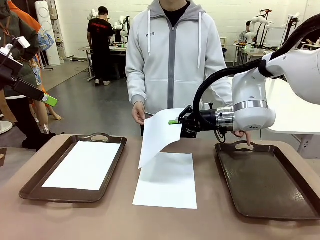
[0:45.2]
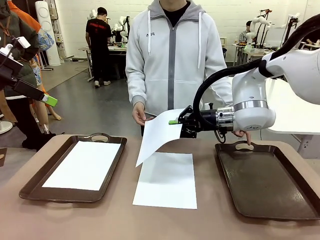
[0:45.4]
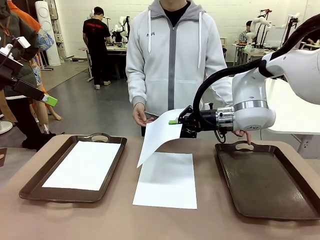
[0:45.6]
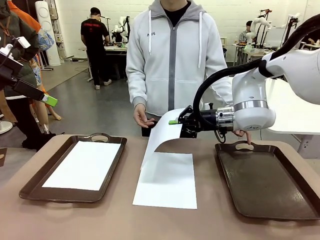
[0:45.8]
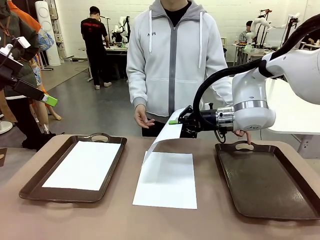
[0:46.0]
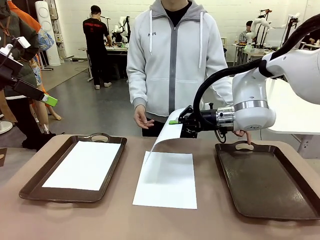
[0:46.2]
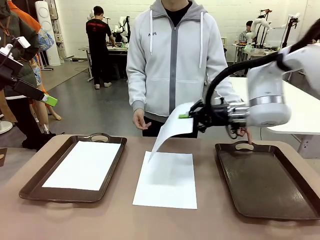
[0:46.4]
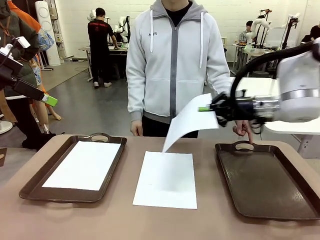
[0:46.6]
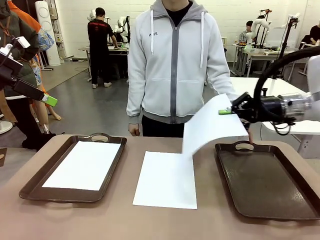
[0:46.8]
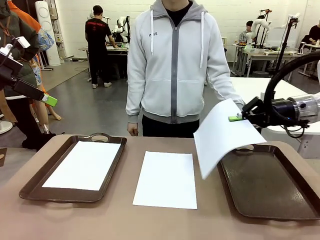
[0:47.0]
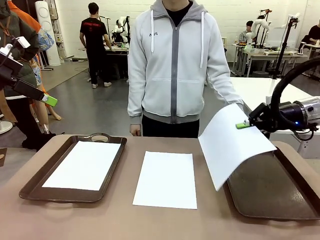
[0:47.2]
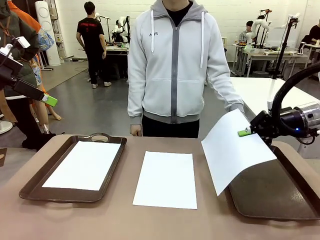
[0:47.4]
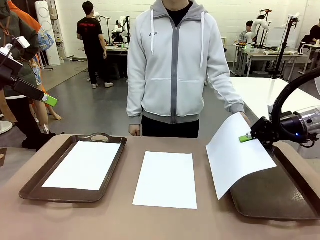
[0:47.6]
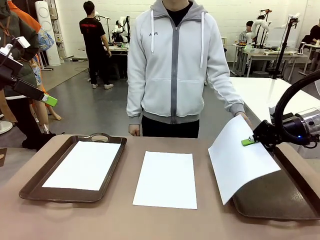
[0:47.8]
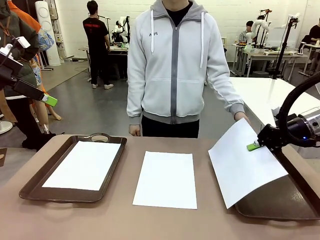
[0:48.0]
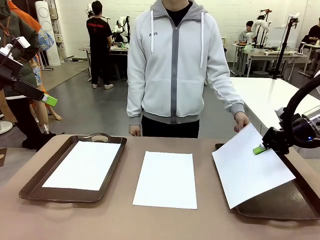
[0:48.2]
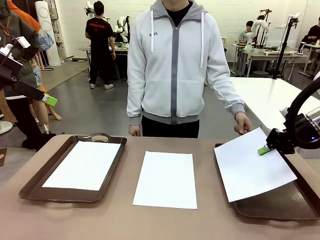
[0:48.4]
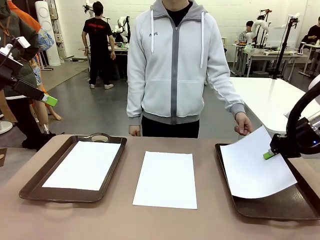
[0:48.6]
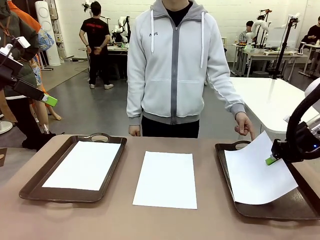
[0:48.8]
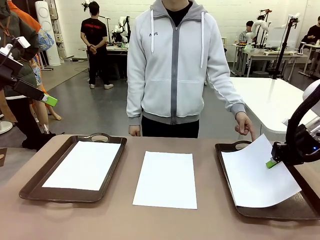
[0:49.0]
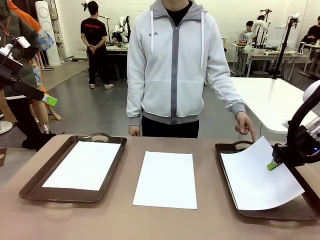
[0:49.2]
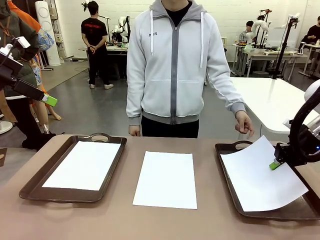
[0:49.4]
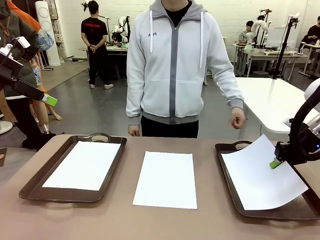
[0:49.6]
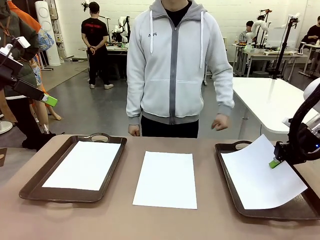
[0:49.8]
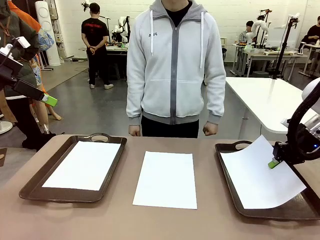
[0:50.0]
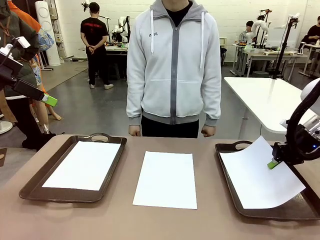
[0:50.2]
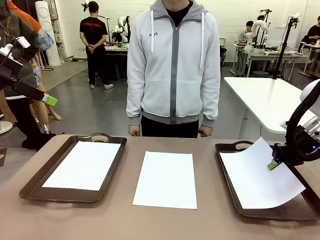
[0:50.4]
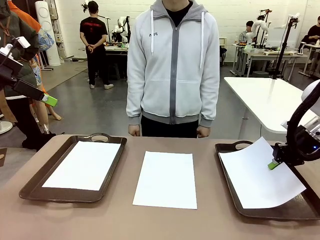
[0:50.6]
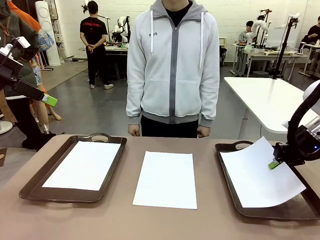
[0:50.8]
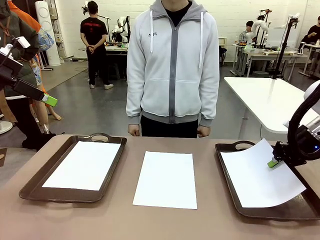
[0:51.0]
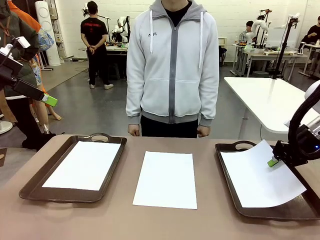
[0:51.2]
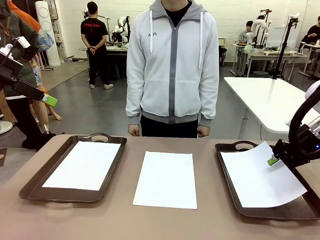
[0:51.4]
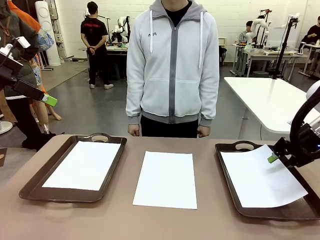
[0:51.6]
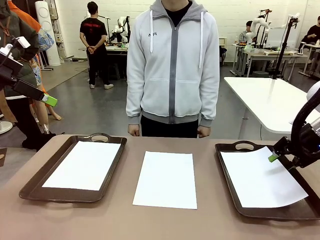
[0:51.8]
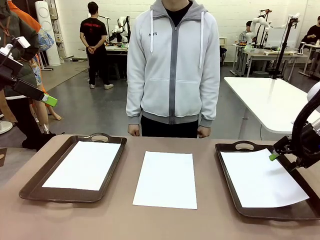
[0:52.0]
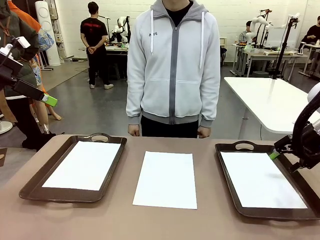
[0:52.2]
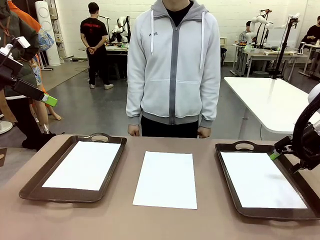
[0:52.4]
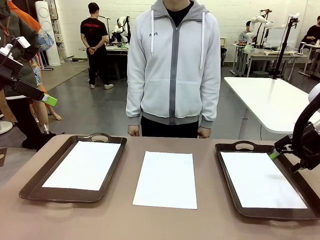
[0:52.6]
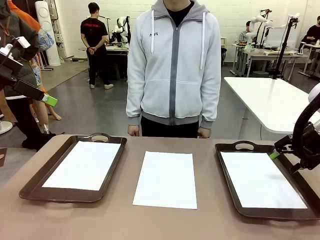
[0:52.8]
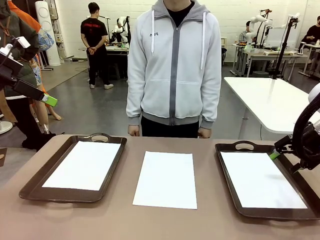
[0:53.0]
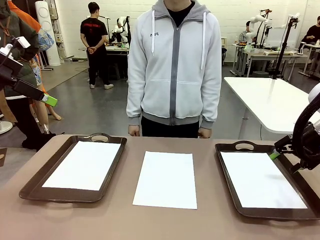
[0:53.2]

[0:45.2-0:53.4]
Task: Sort the A4 documents.
Robot: Place the A4 Paper in the designated Handle tray.

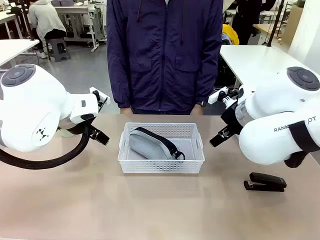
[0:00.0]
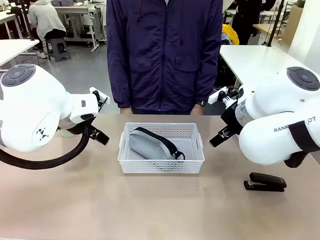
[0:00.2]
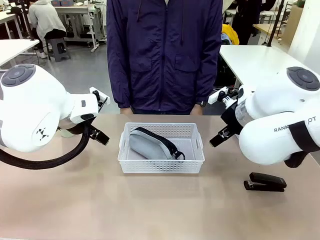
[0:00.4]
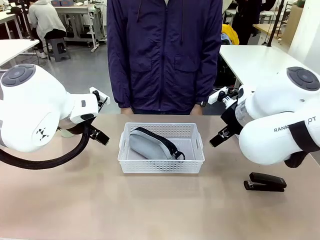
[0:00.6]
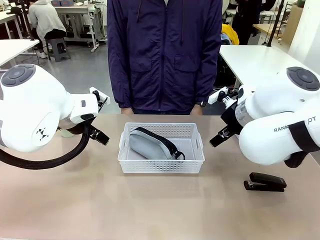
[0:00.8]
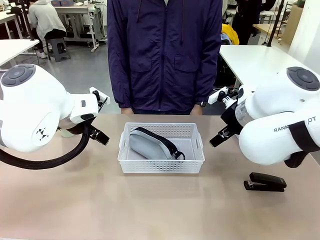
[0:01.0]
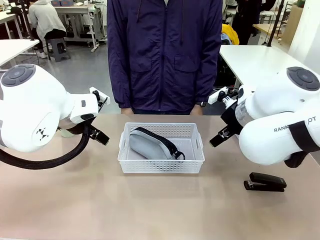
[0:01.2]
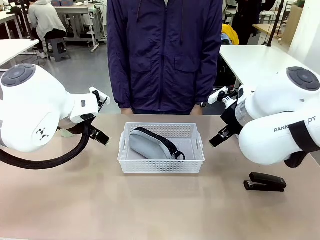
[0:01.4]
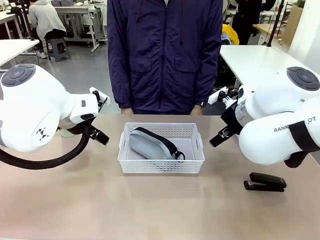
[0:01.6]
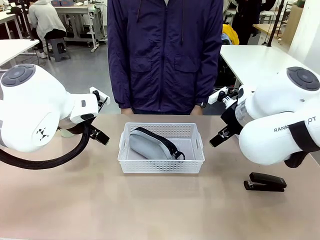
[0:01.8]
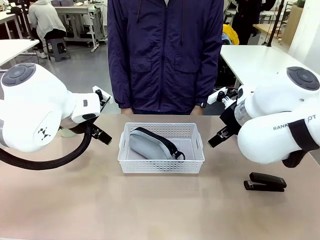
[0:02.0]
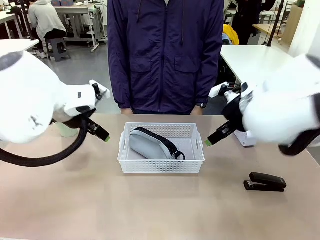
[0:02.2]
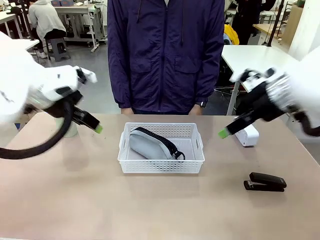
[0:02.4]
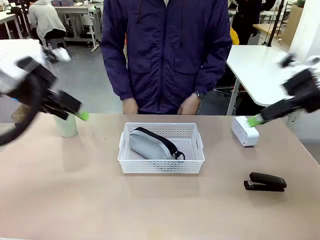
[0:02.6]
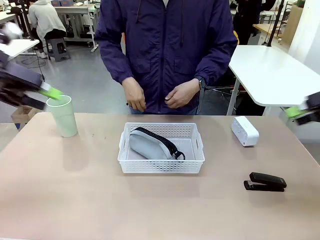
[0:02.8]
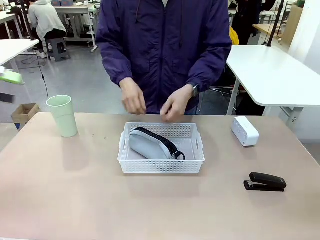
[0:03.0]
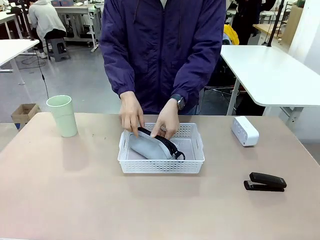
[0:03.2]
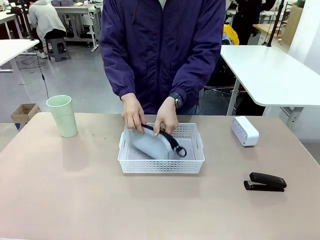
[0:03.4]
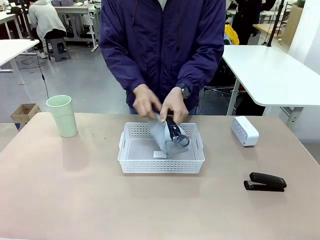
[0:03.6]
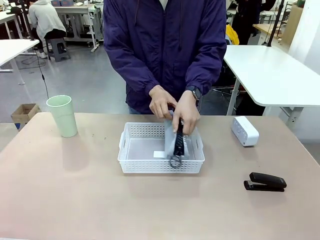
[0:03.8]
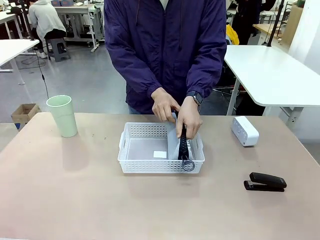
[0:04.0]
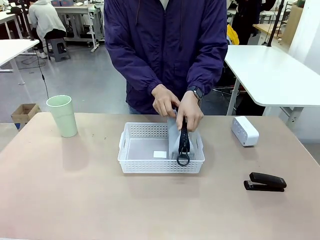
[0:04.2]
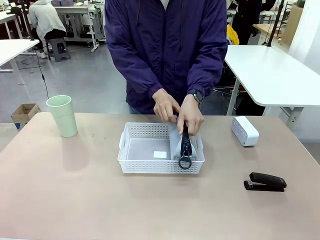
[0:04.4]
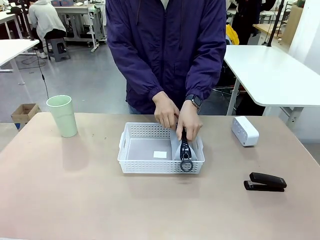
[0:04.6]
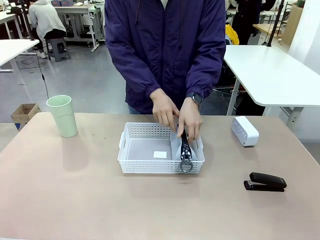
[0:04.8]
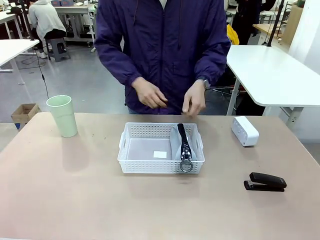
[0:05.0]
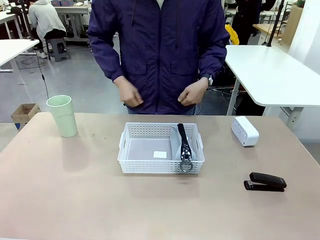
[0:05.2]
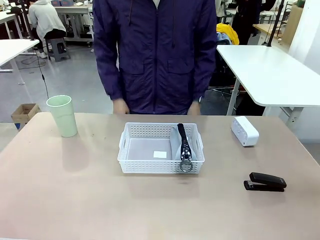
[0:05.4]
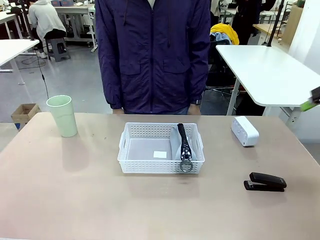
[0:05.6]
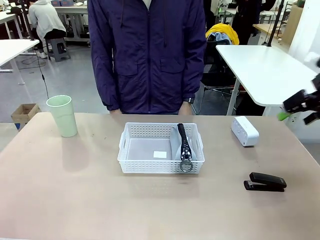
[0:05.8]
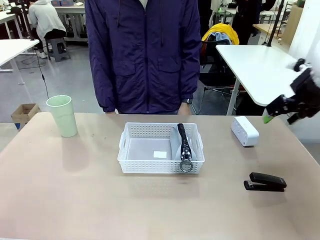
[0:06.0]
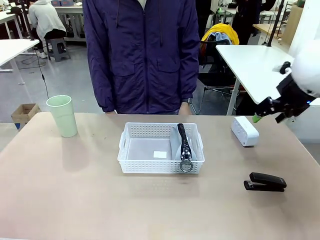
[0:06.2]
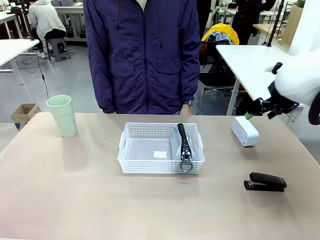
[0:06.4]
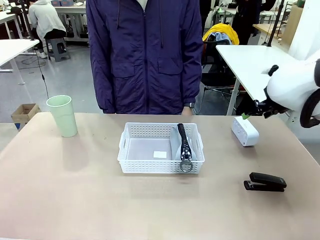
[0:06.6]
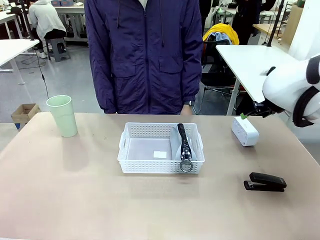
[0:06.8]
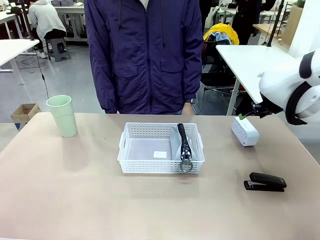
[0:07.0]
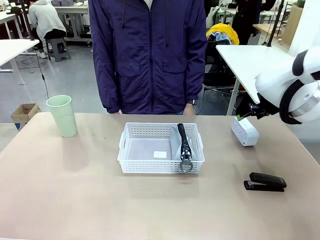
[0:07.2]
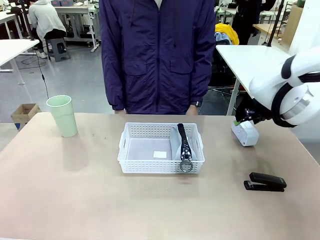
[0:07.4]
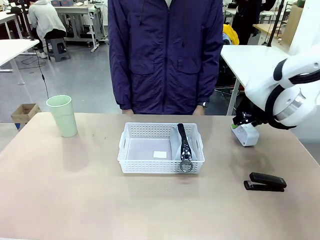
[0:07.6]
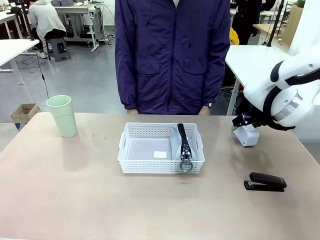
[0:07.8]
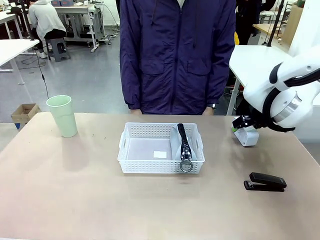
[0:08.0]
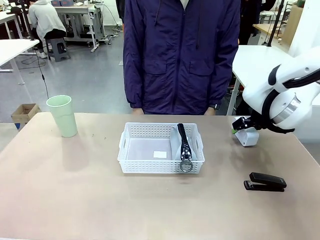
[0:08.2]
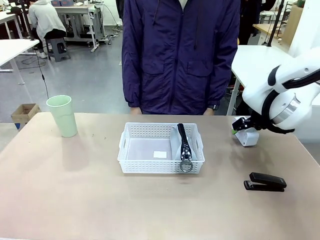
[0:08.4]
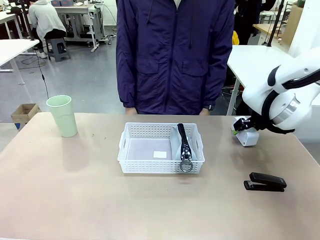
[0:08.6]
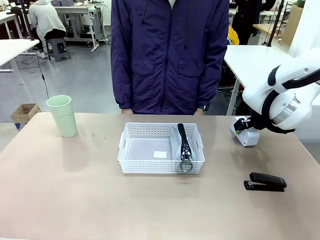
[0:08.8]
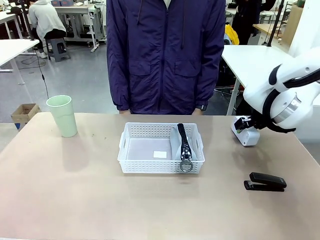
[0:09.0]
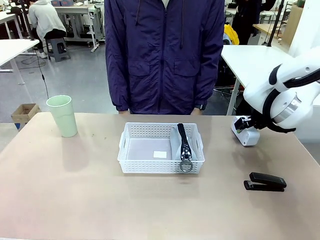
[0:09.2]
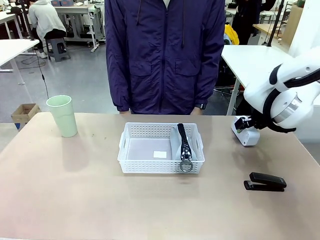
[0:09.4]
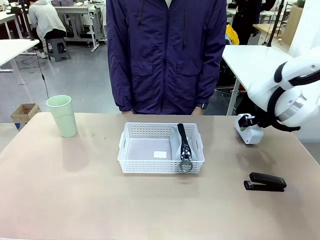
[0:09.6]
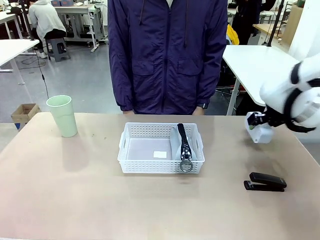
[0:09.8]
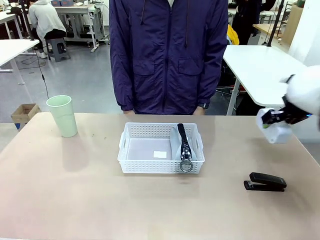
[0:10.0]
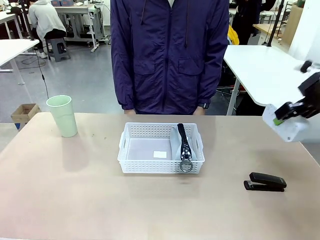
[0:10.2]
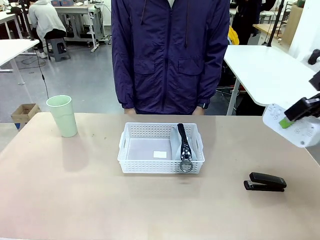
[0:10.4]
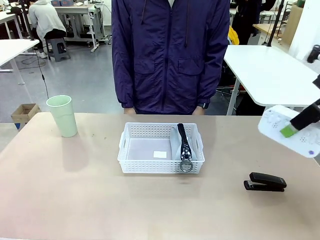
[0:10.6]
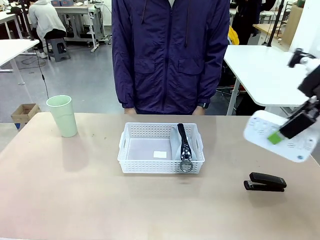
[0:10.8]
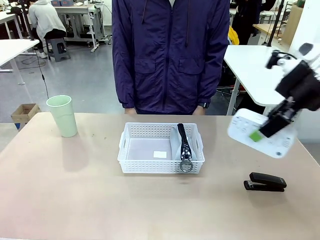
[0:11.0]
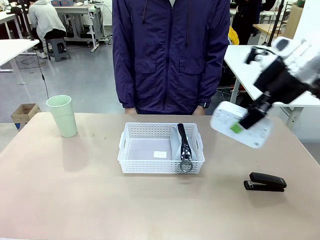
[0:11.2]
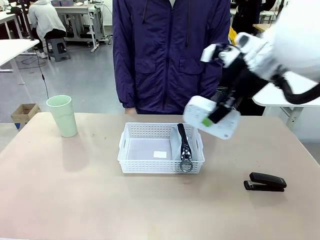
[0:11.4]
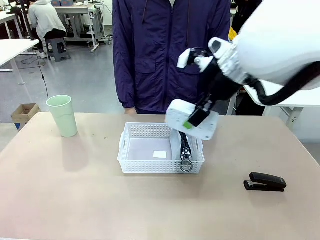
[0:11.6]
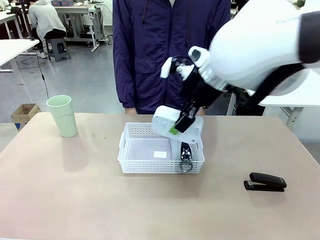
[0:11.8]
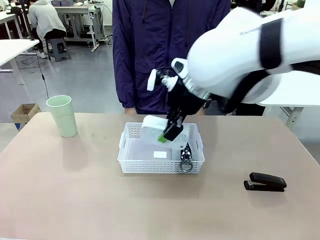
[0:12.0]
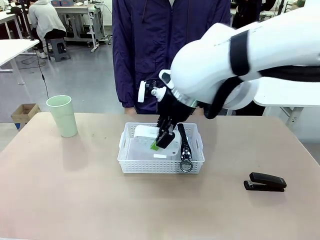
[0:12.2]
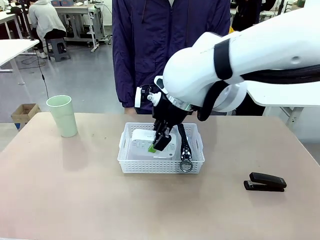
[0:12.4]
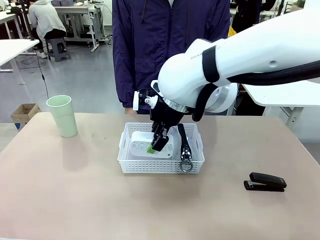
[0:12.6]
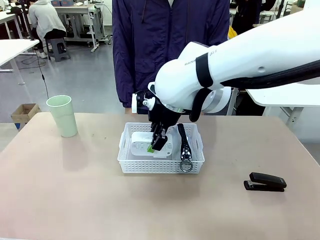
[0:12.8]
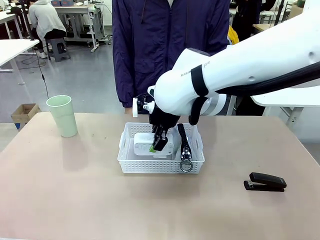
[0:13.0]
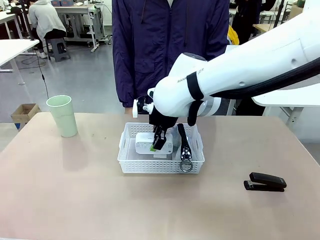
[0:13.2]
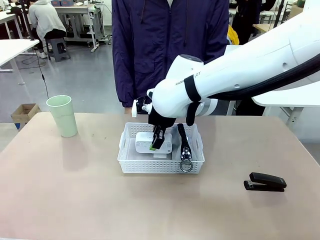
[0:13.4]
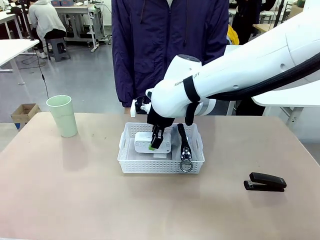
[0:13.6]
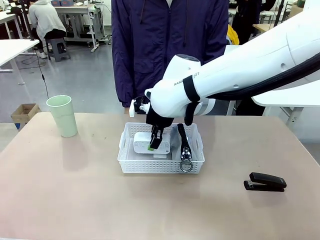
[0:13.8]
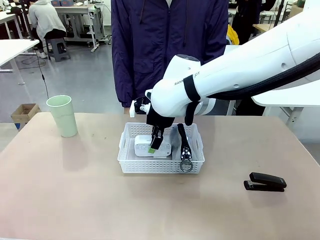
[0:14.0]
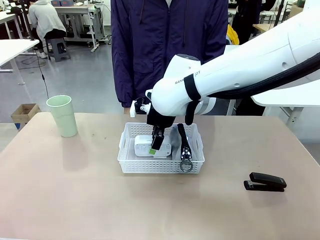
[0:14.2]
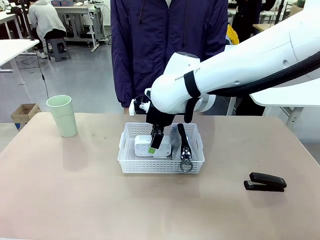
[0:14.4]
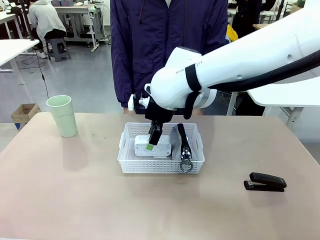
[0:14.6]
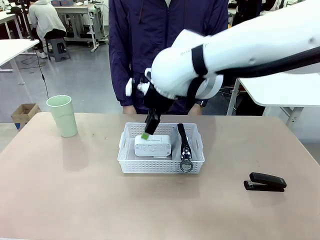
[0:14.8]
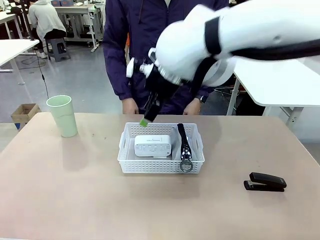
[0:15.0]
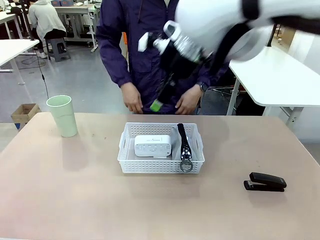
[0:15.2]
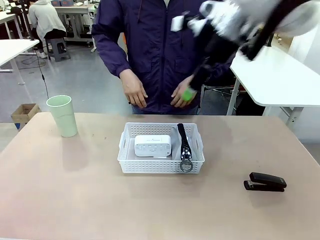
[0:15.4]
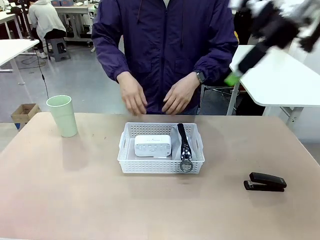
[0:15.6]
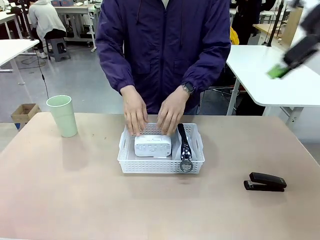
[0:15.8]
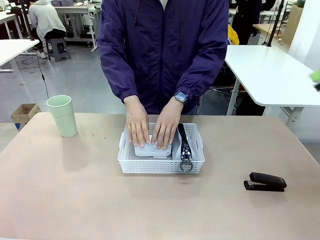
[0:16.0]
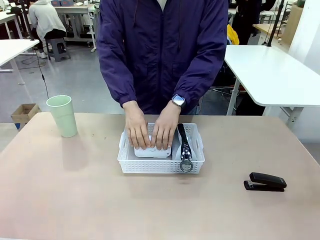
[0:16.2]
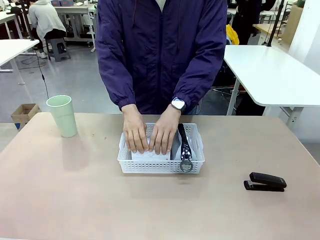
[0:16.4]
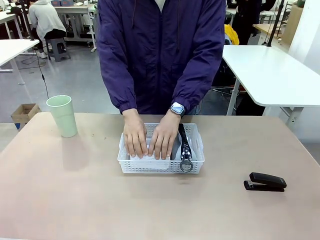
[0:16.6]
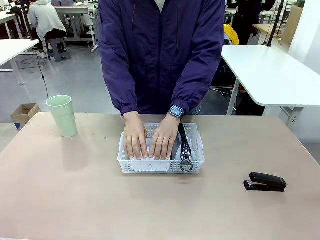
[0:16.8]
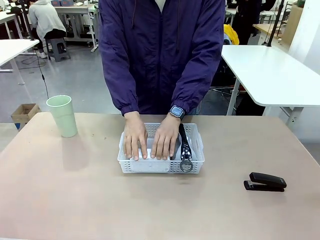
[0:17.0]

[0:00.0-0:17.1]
Task: Efficiently arrange items inside the basket to fit them all.
Robot: Pick up the Digital clock and place it inside the Organizing basket.
Person: Repositions the pencil case. Repositions the digital clock.
